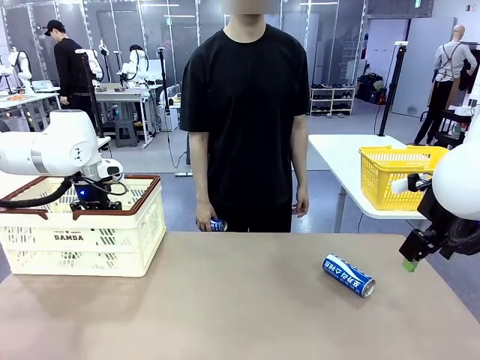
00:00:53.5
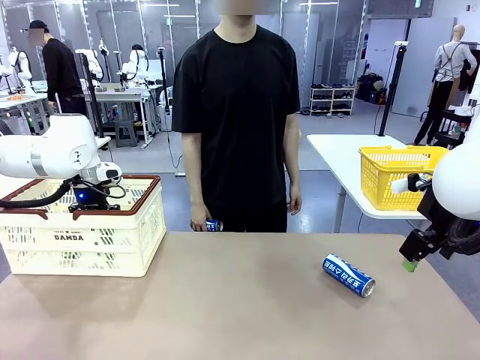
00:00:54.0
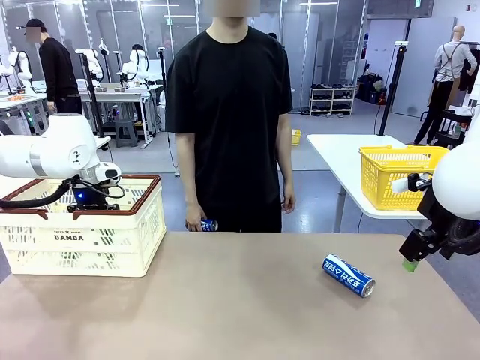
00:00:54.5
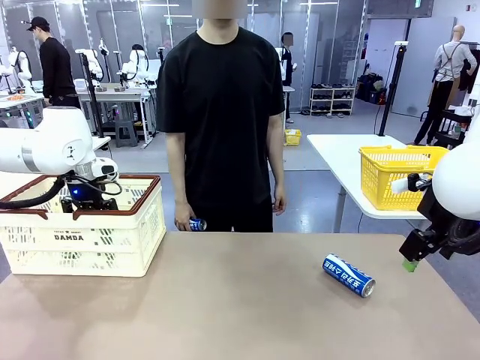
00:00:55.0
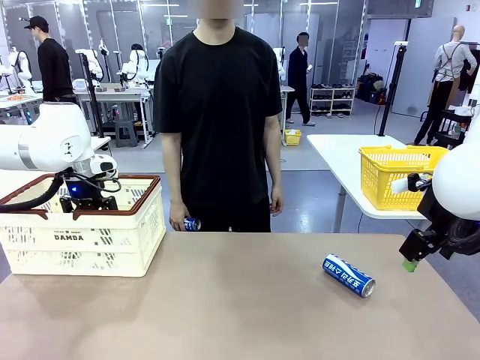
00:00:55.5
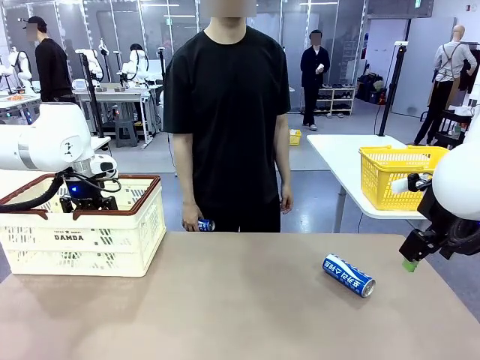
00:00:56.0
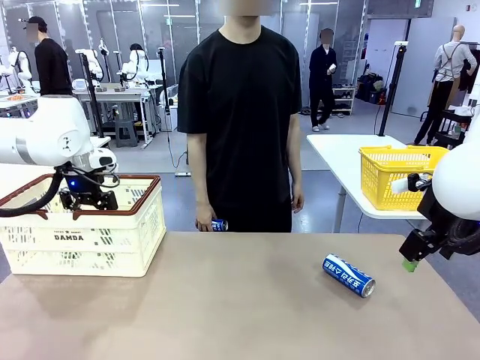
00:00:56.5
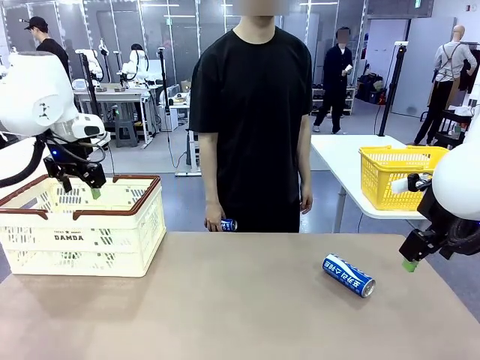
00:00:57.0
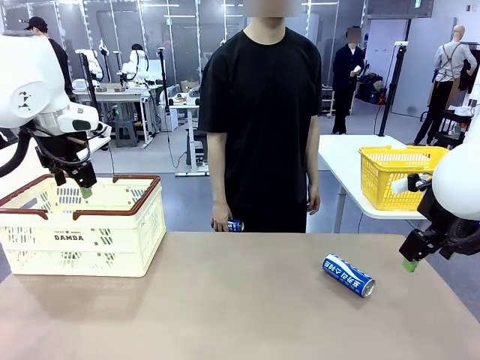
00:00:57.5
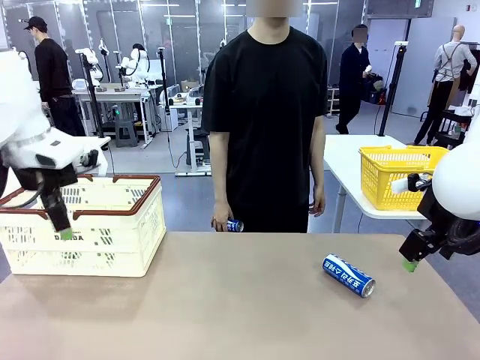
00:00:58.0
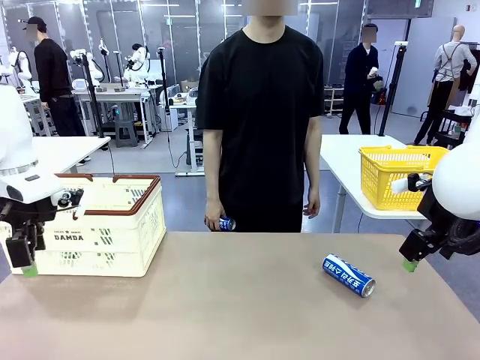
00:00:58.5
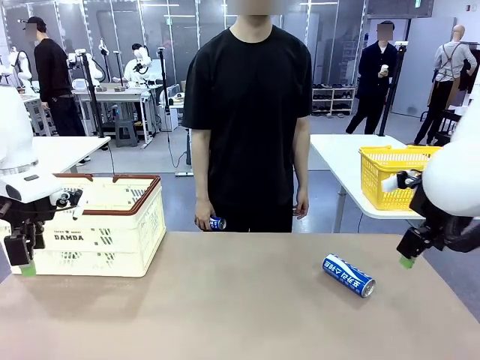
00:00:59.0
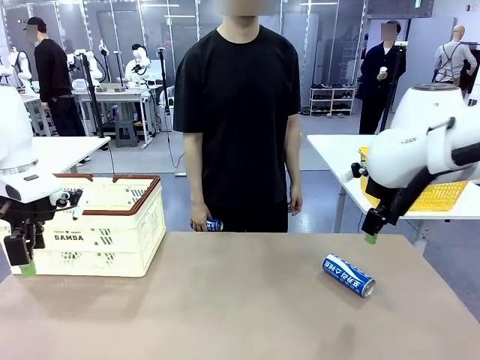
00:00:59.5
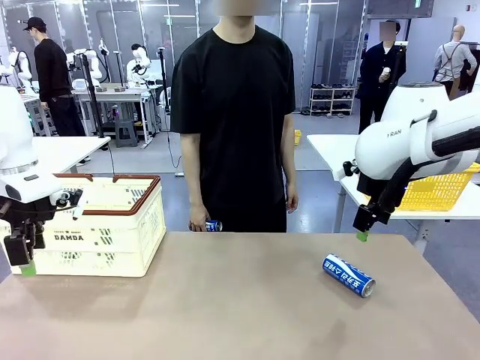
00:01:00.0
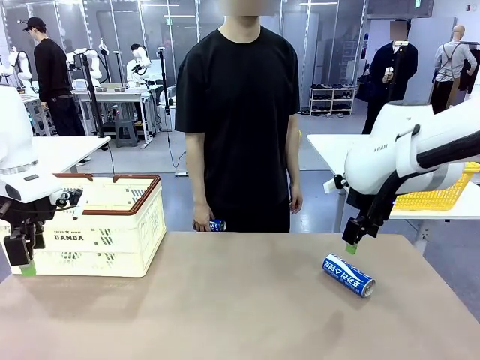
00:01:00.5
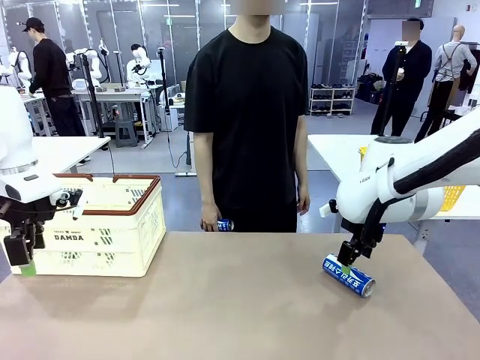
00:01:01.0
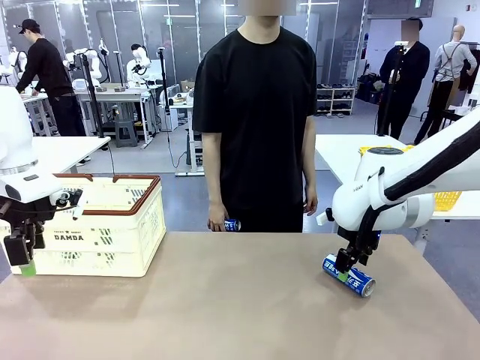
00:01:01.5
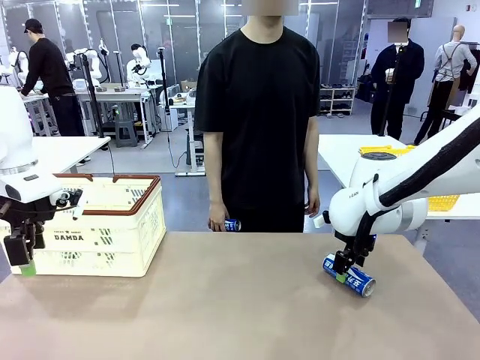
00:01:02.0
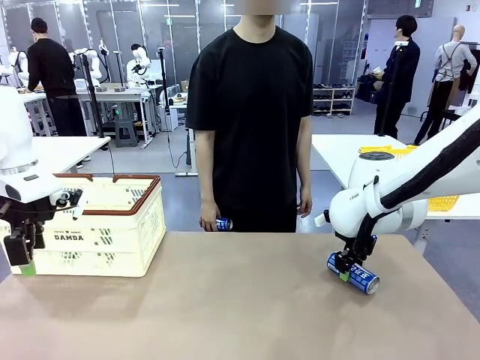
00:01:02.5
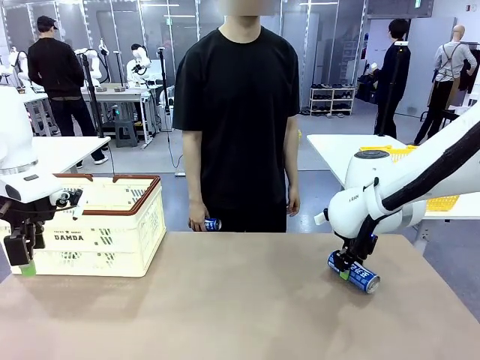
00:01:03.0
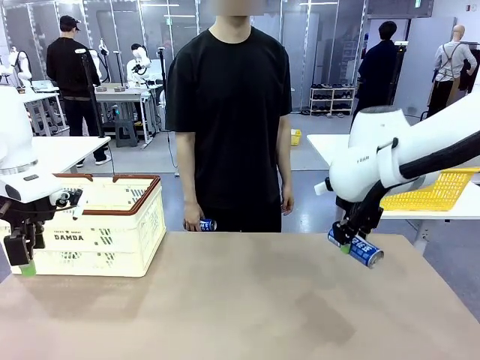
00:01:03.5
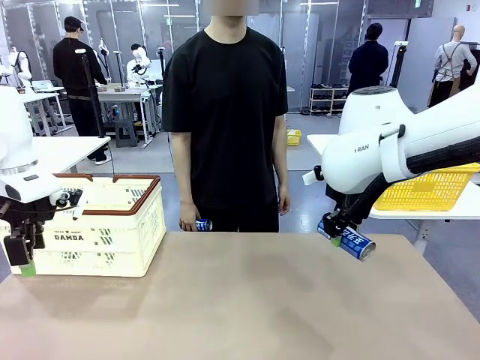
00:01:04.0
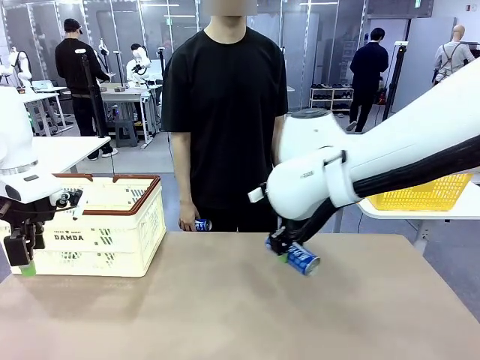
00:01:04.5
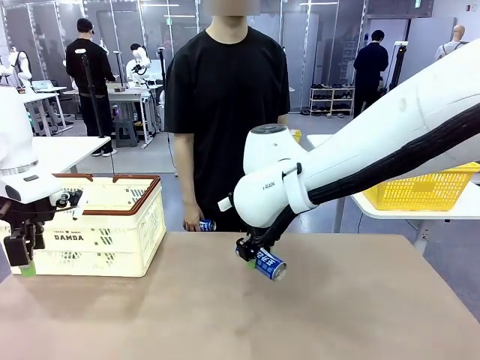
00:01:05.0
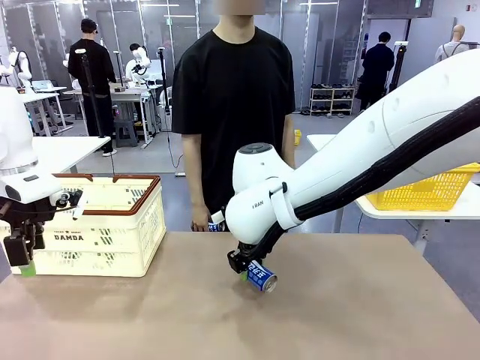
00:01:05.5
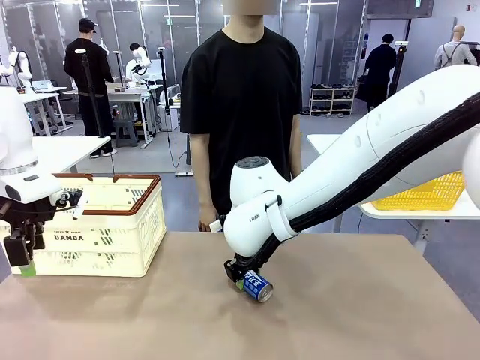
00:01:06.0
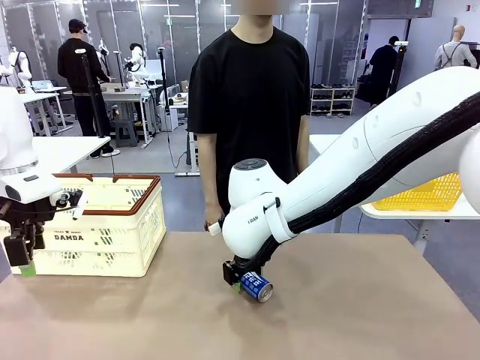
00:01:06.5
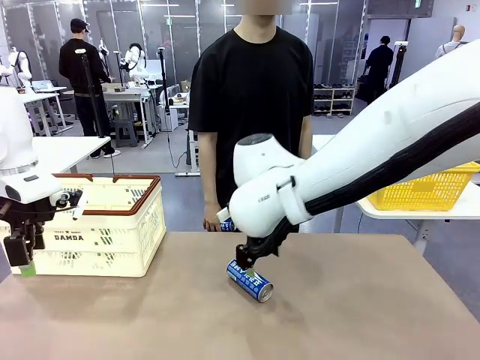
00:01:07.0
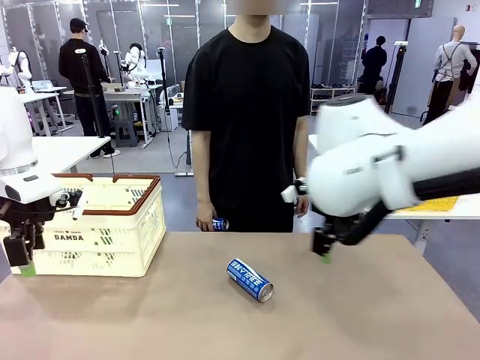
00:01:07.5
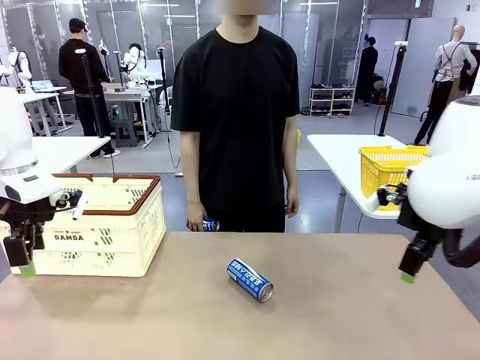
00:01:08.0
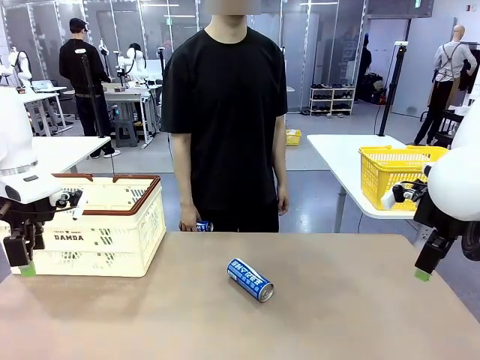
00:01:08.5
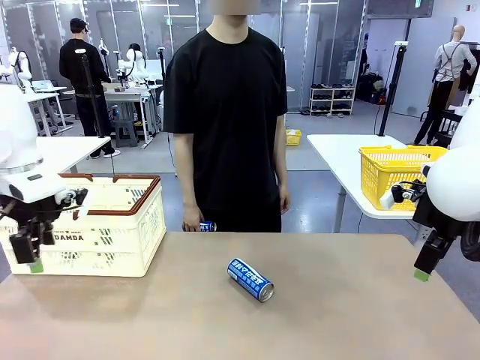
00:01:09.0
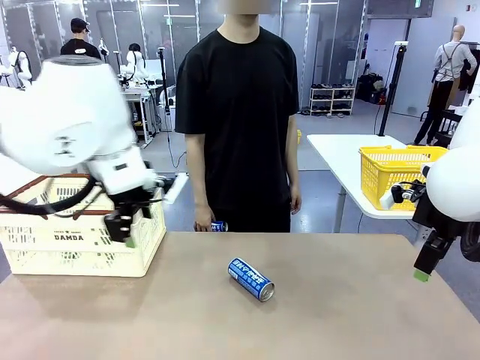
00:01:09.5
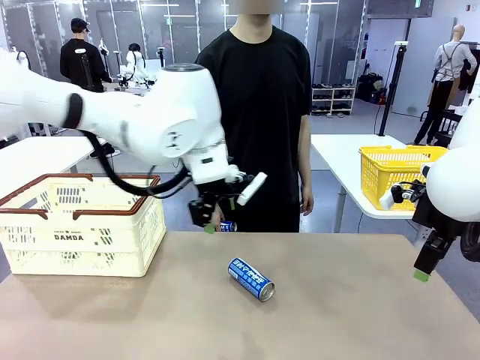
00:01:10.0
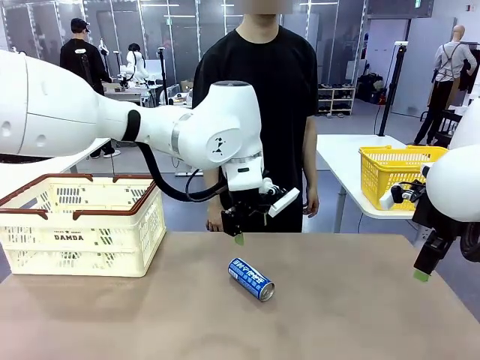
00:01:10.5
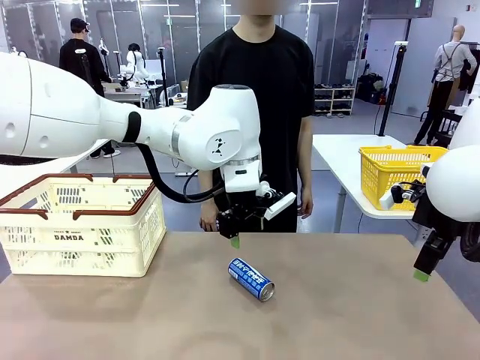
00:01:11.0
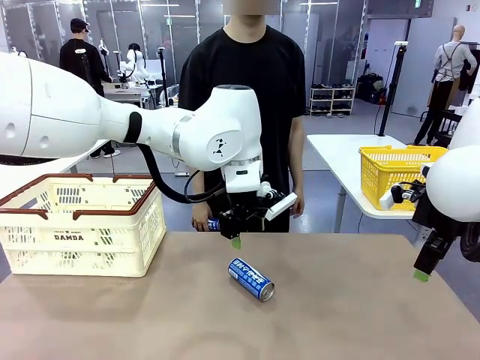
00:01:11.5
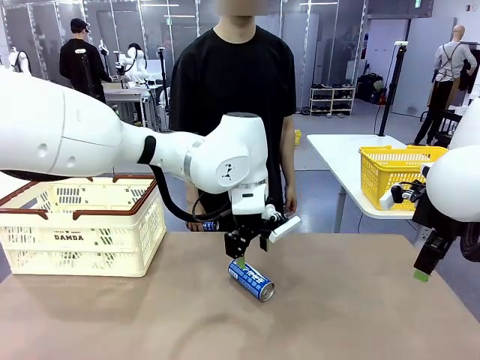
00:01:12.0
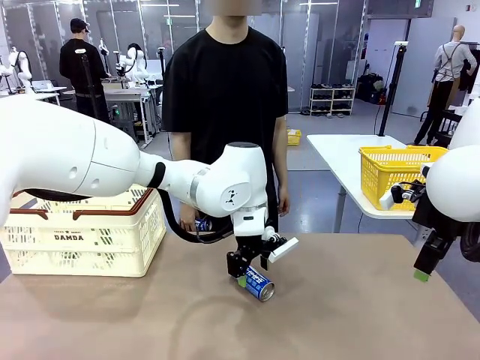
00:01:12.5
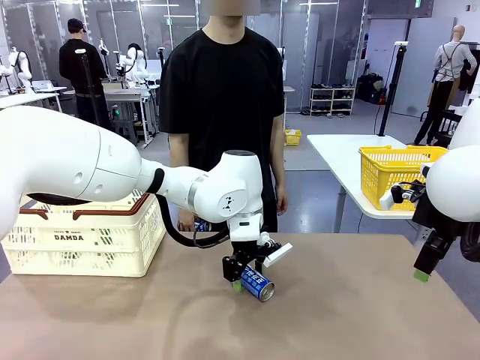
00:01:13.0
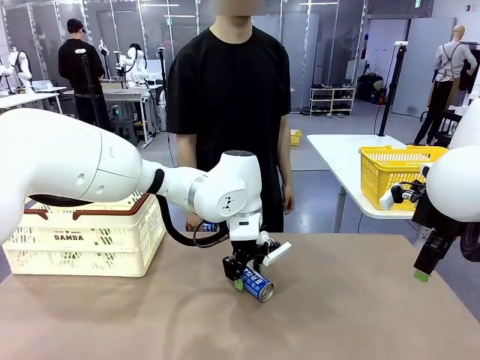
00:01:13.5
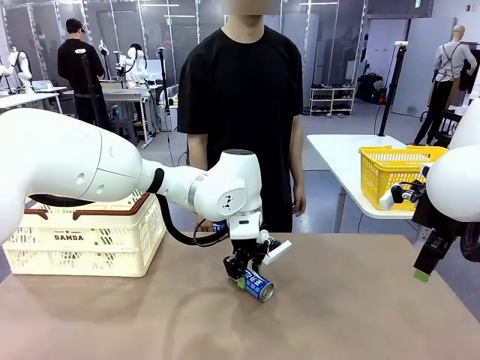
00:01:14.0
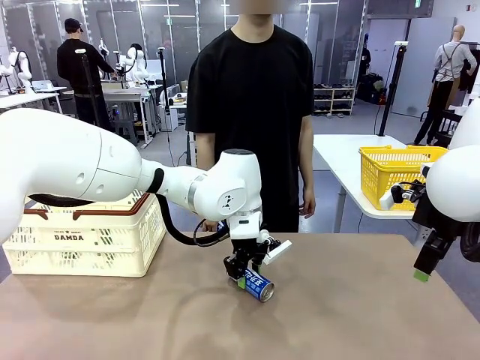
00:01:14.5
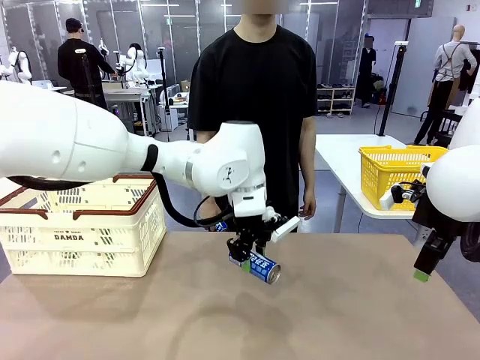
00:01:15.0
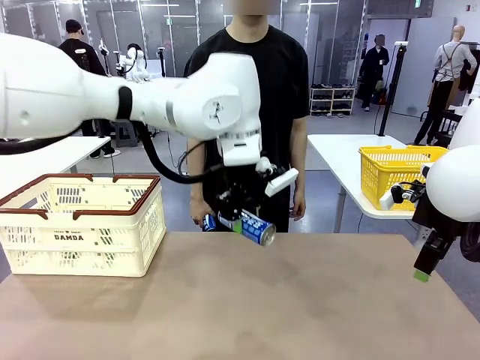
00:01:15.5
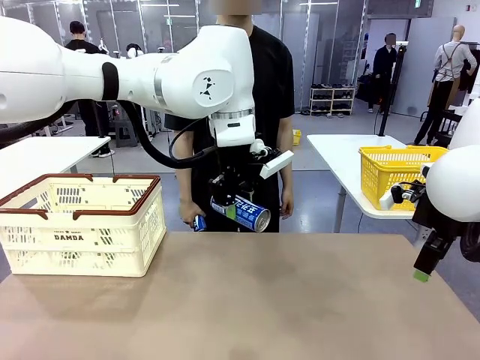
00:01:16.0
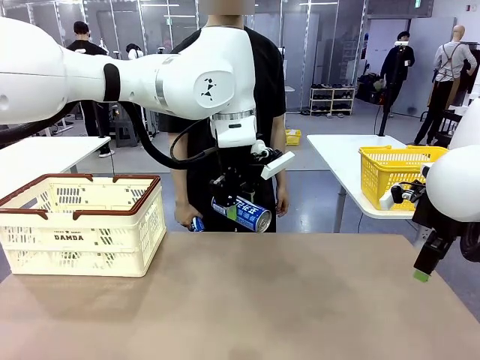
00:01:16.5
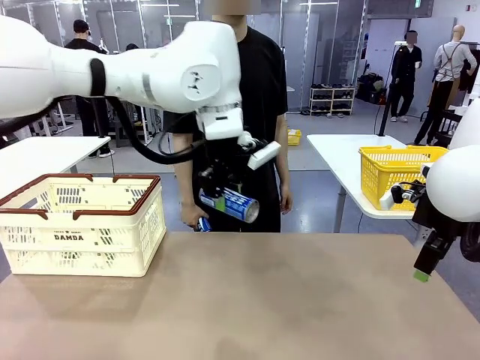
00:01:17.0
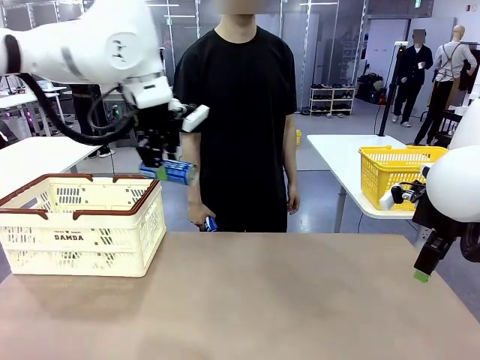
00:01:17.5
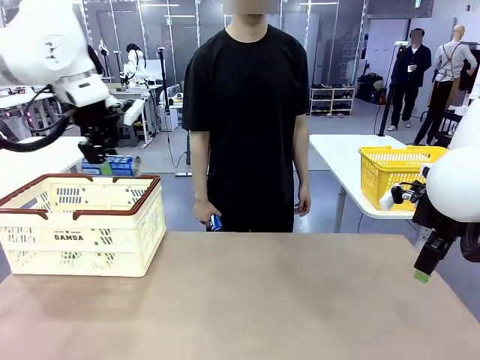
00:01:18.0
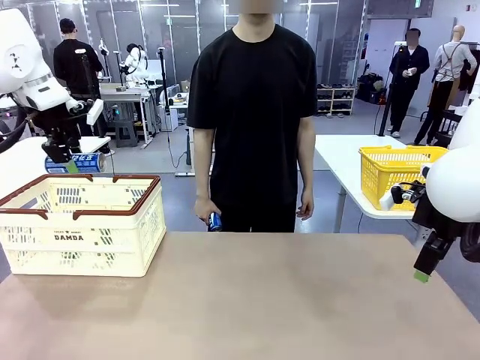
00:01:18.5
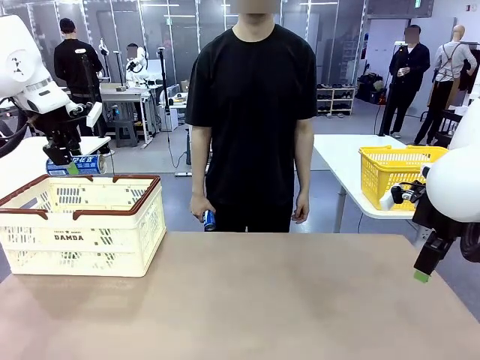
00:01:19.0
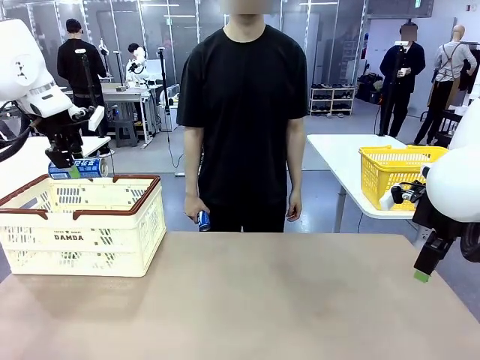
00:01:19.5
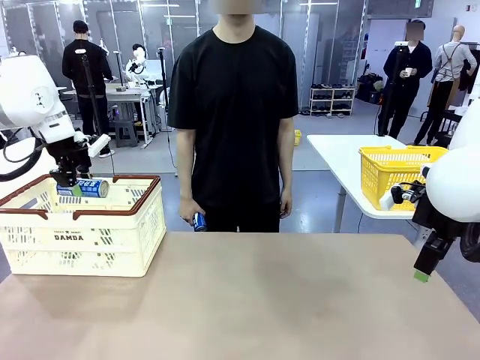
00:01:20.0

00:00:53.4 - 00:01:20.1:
Task: Place the drinks into the Shopping basket.
Robot: Pick up one drink and place it into the Shopping basket.
